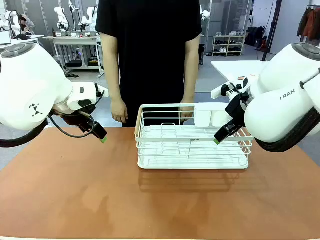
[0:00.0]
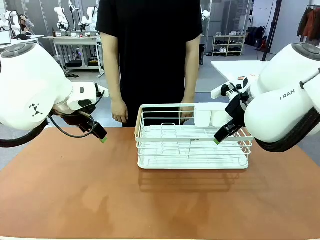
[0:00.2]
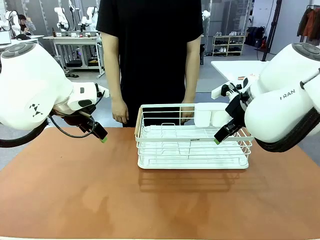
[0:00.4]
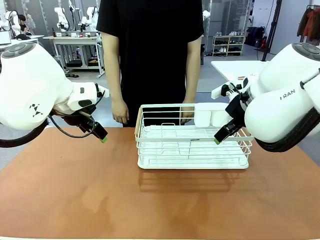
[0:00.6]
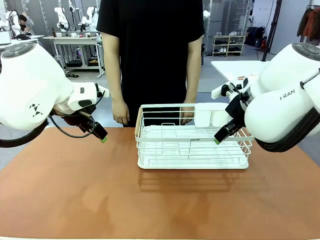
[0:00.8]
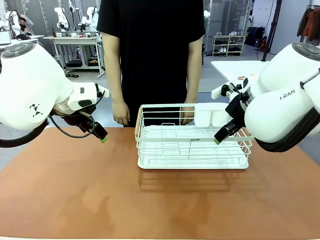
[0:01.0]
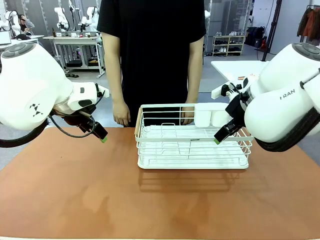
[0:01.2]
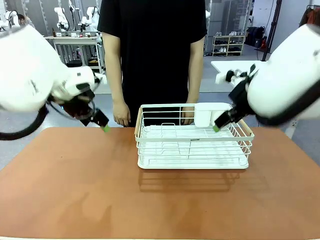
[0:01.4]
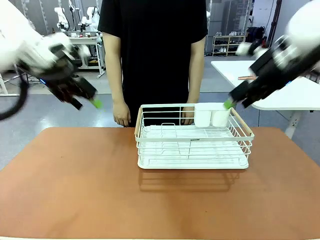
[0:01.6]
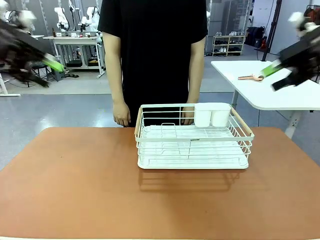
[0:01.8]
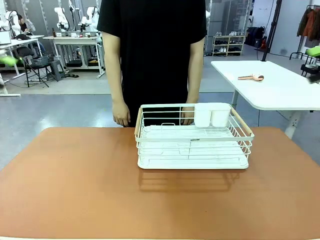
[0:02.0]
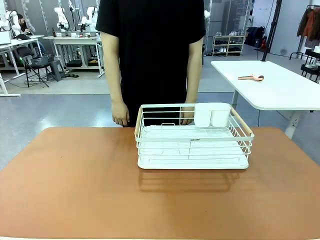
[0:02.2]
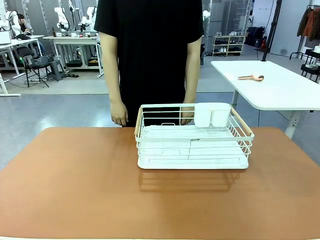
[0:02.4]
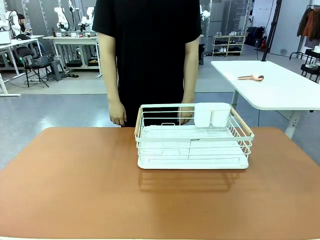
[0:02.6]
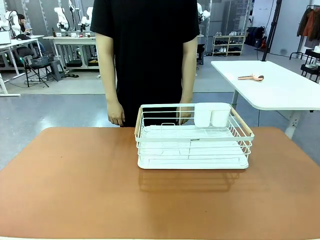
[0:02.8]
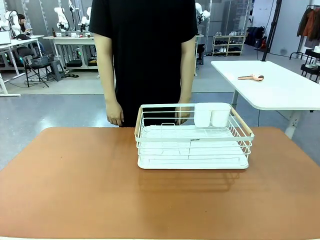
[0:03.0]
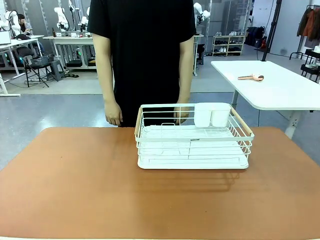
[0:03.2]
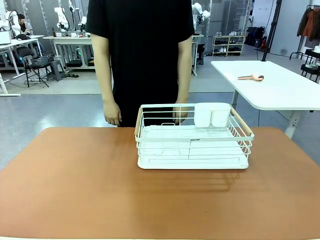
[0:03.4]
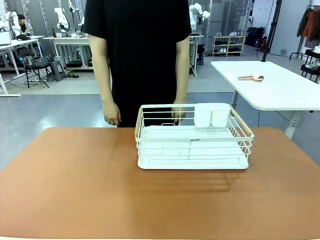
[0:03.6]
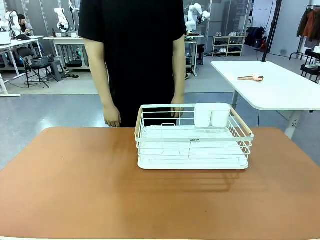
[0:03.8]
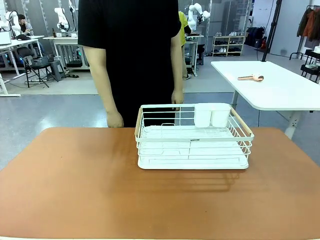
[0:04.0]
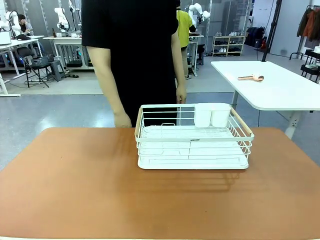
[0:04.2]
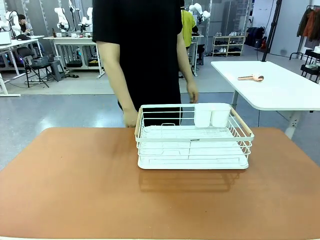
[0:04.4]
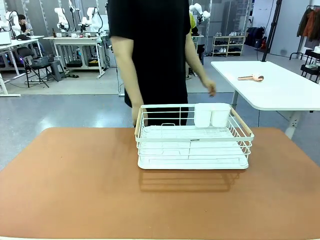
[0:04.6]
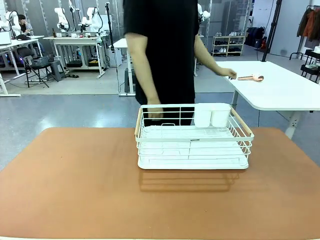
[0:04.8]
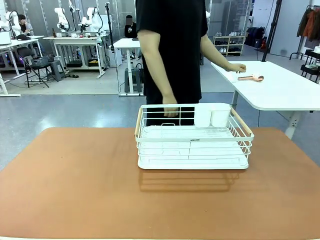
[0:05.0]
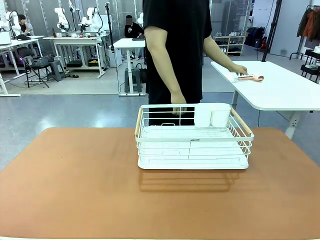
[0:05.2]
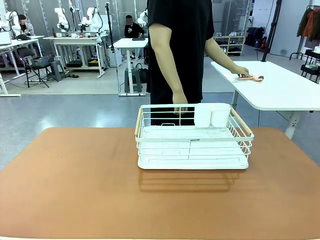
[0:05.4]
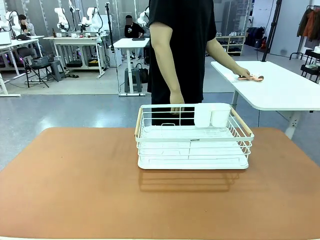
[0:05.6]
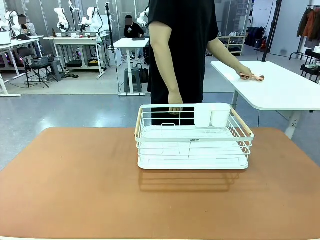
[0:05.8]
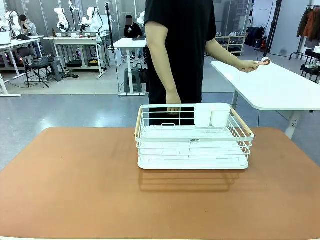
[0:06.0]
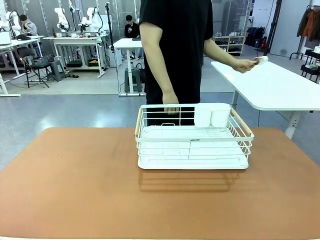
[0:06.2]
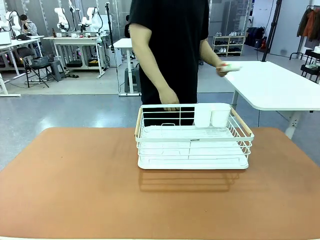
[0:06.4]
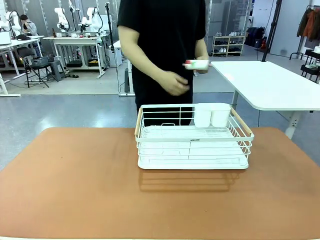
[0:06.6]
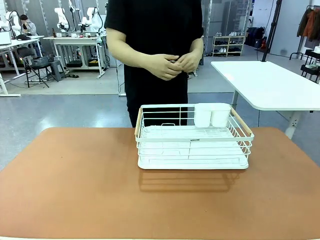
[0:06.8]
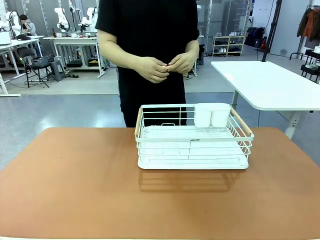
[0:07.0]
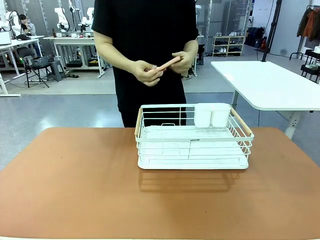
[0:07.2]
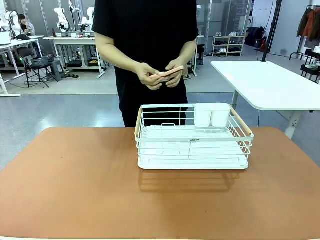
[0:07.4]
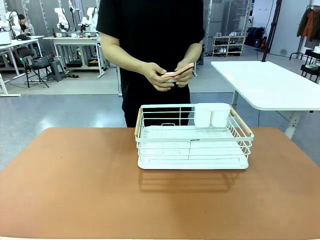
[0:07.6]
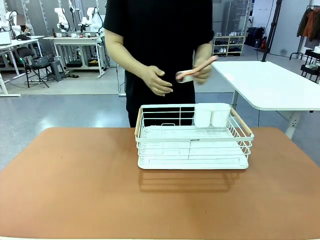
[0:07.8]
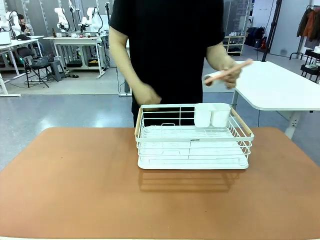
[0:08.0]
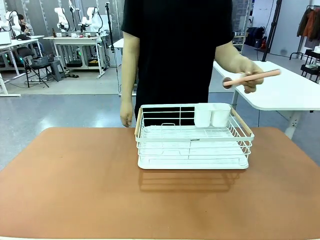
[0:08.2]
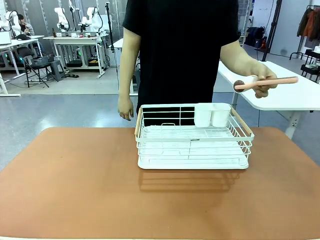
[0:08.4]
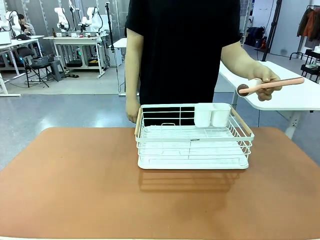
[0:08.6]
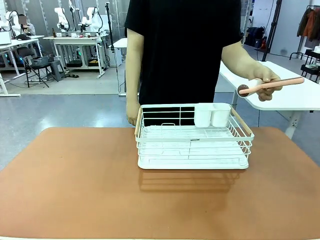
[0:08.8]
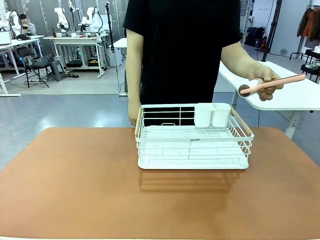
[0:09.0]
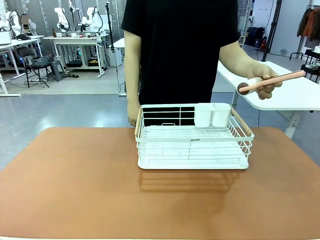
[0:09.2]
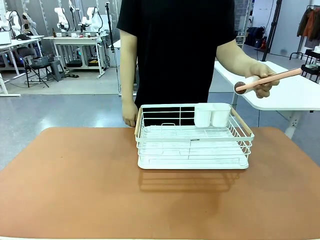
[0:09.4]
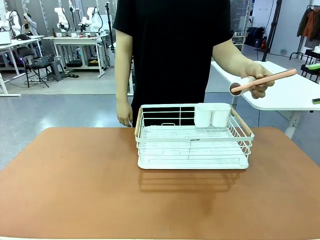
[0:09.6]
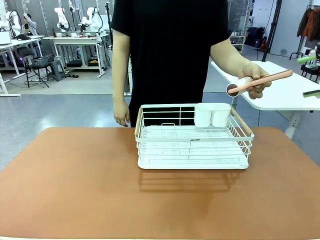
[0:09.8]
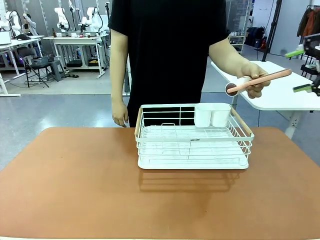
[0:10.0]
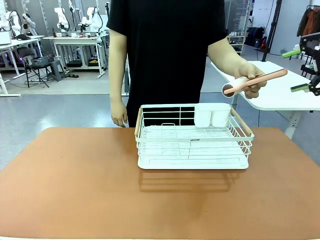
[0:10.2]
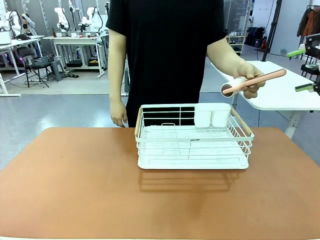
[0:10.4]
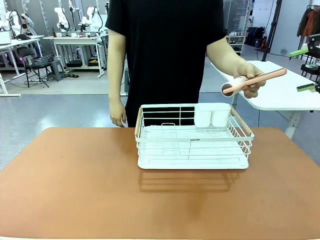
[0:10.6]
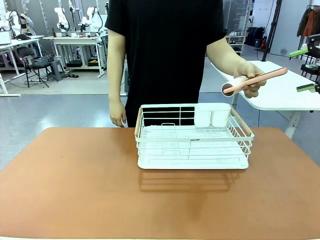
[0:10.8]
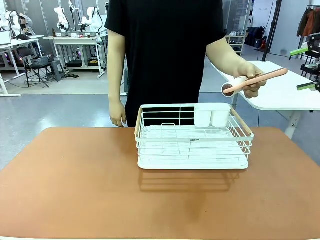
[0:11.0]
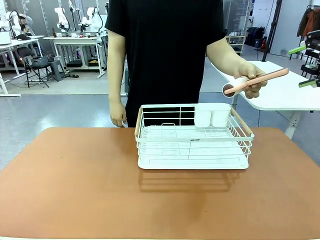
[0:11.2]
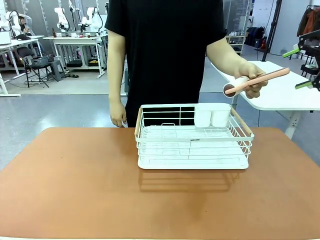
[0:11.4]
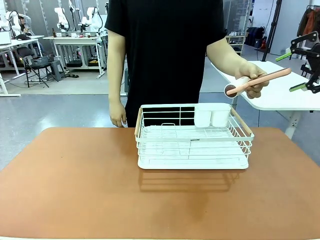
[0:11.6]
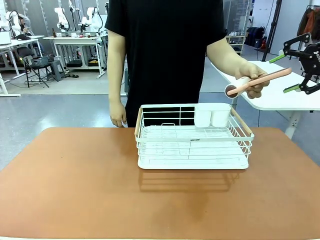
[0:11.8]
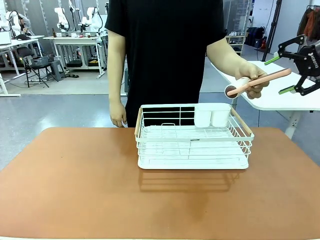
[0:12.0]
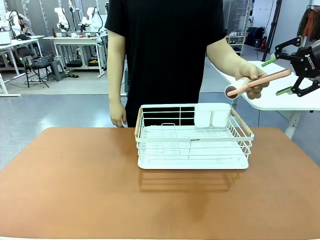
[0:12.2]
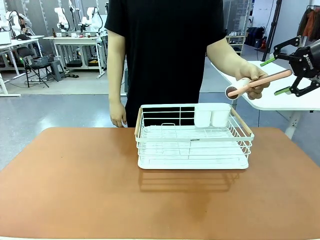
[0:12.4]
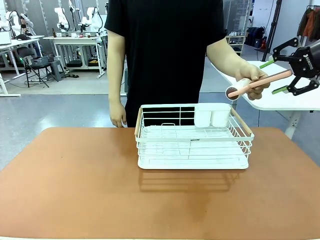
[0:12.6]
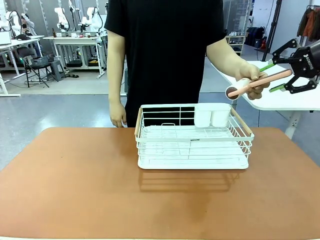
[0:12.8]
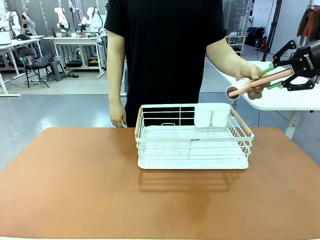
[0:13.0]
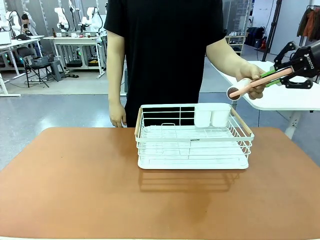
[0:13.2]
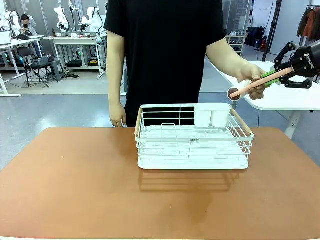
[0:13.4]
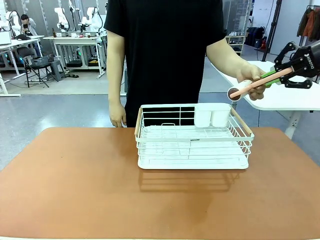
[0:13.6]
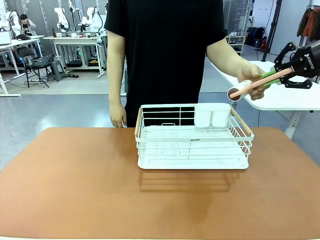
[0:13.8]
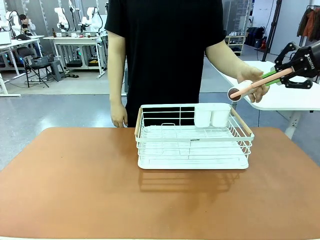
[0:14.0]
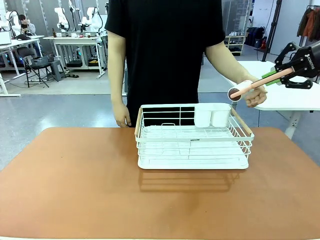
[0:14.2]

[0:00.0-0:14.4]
Task: Clean the table.
Robot: Pick up the Lint Roller when the human hands it over.
Person: Hand the Lint Roller to the robot so it can easily pick it up. Lift the Dish drying rack.
